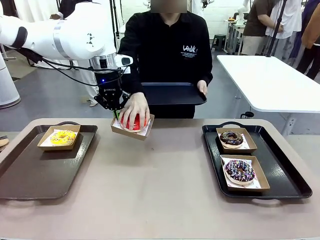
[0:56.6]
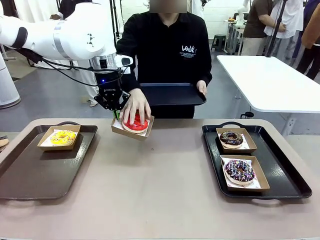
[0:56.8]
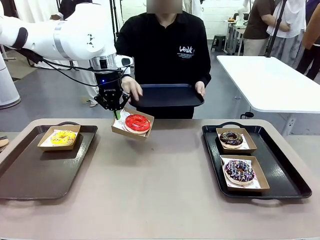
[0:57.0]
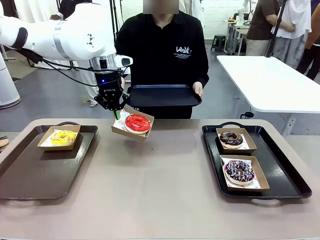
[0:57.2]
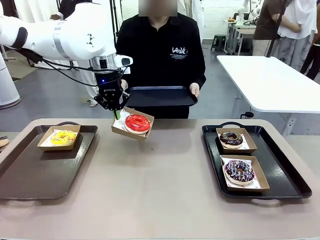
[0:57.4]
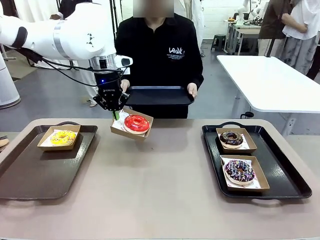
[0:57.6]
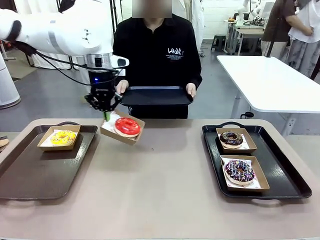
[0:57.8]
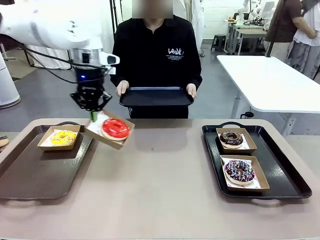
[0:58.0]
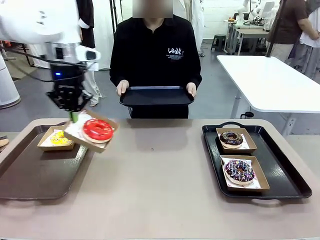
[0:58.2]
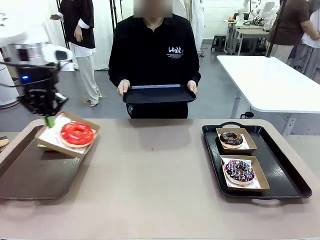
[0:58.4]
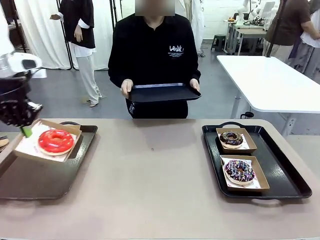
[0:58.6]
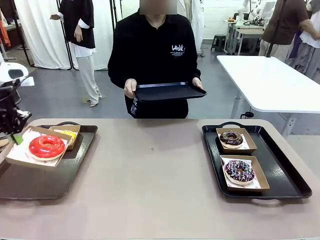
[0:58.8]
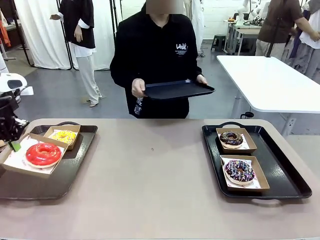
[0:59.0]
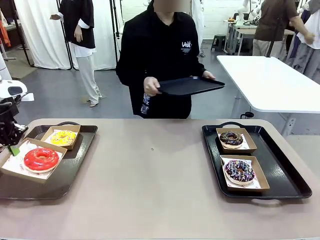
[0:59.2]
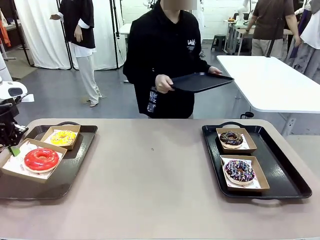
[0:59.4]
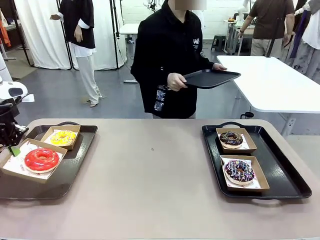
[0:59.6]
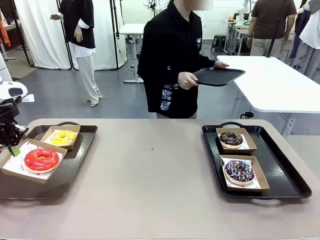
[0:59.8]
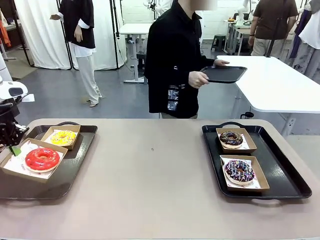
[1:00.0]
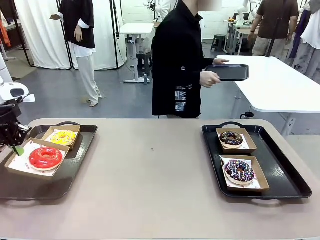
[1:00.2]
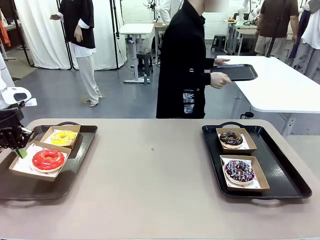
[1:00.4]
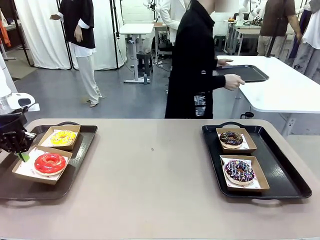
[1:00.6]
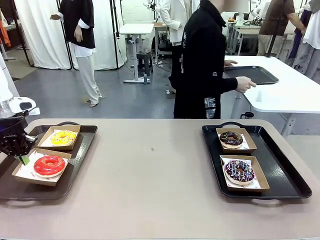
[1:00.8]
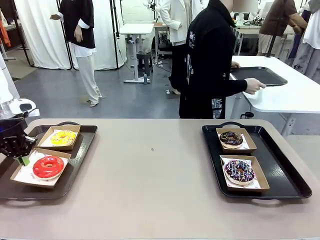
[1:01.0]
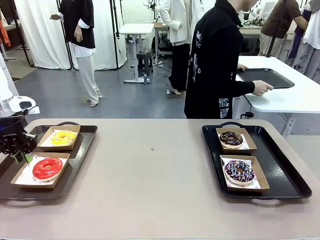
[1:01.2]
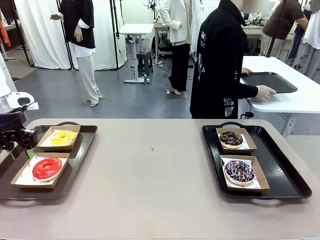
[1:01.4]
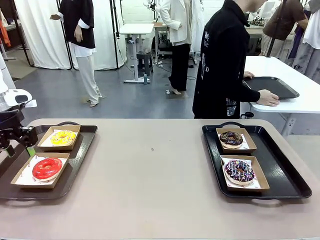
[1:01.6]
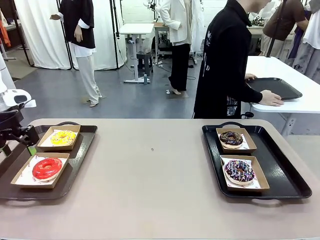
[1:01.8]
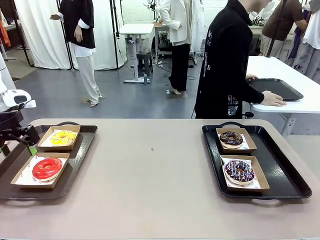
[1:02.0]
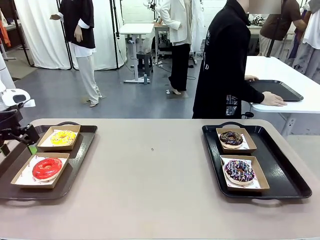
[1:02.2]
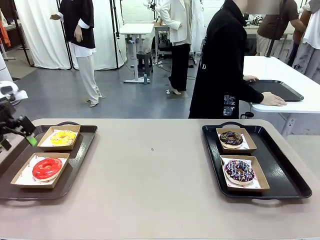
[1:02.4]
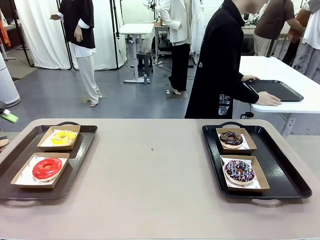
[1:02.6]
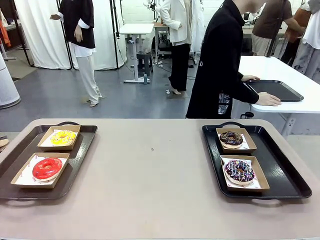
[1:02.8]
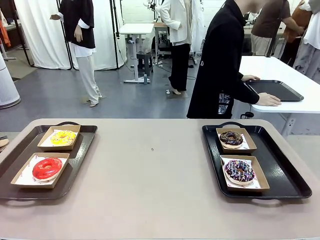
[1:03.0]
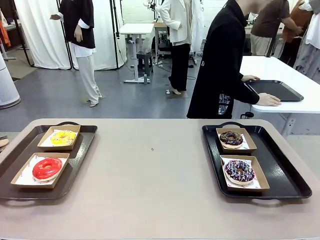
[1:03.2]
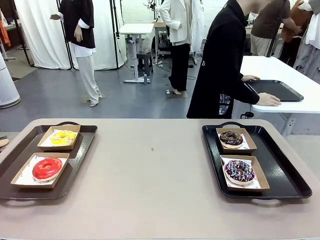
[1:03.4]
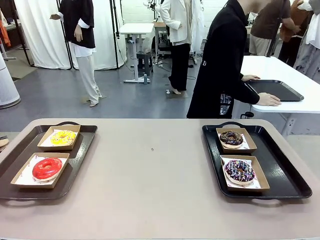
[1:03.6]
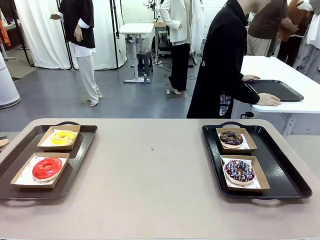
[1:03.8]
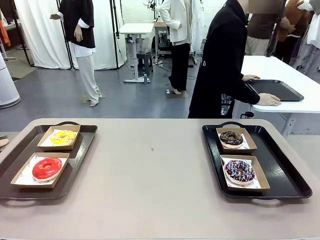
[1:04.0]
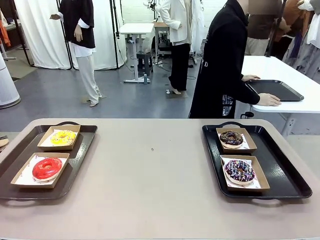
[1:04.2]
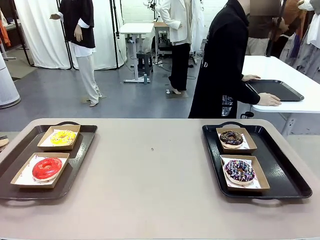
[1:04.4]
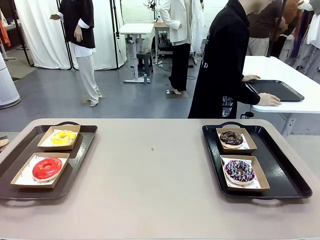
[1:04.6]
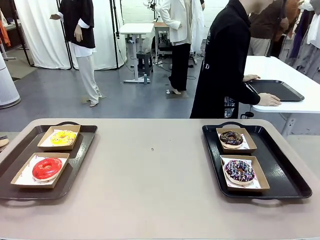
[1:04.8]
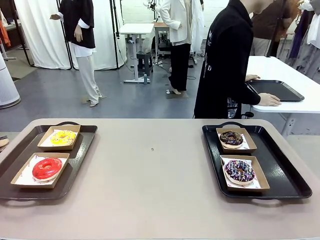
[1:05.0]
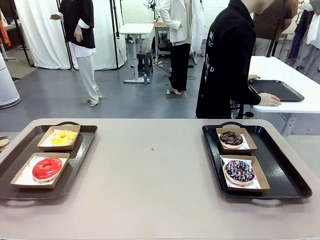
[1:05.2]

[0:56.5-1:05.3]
Task: Individually package the donuts and arrange them on the tray.
Robot: Place the picked Paper togo box on the Handle tray.
Person: Place the tray down in the middle of the human table.

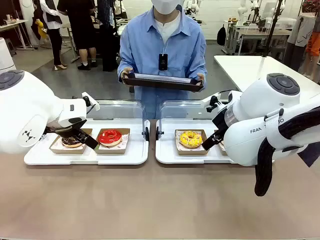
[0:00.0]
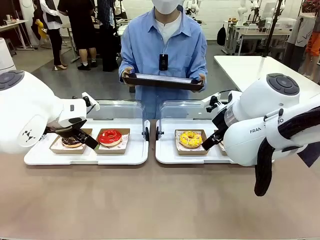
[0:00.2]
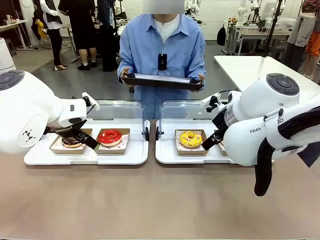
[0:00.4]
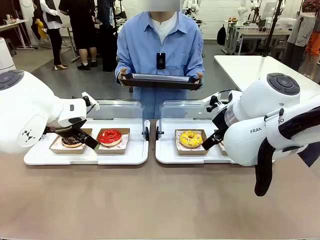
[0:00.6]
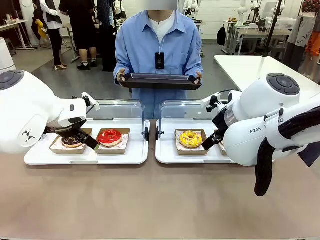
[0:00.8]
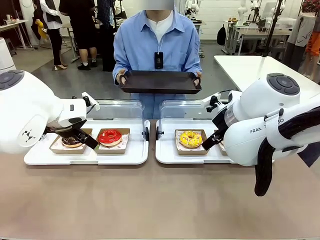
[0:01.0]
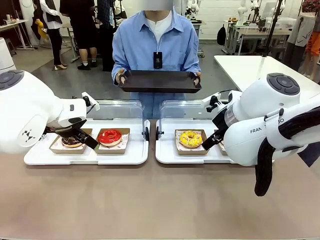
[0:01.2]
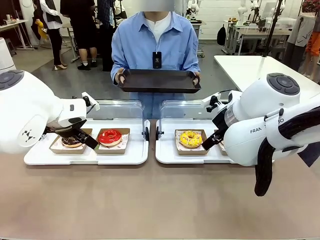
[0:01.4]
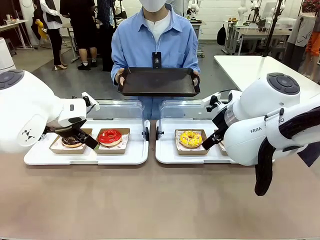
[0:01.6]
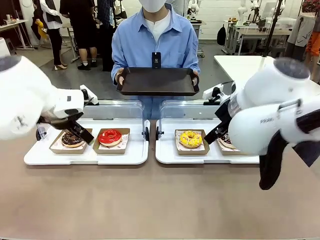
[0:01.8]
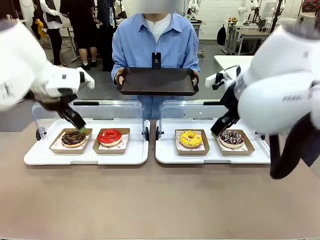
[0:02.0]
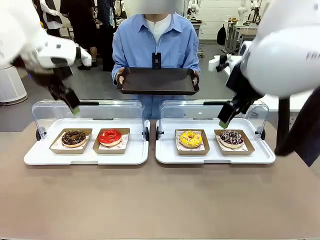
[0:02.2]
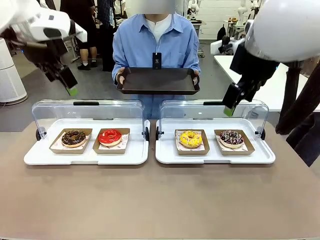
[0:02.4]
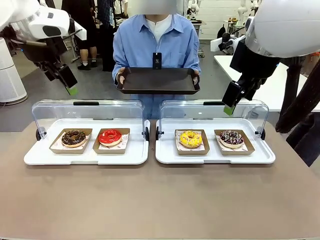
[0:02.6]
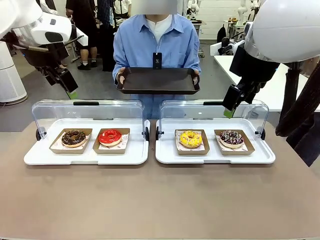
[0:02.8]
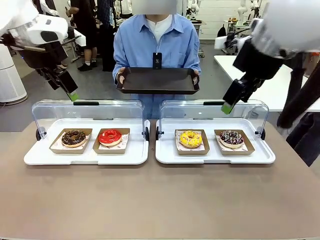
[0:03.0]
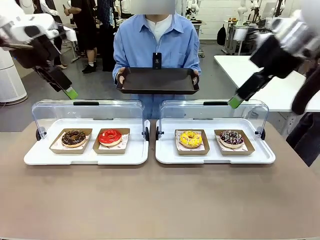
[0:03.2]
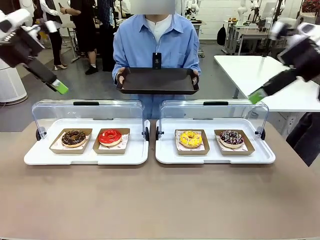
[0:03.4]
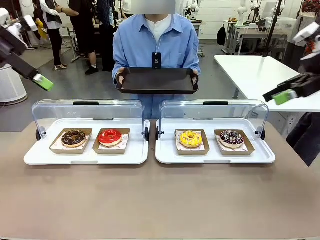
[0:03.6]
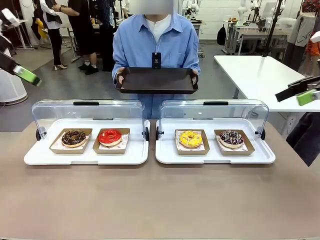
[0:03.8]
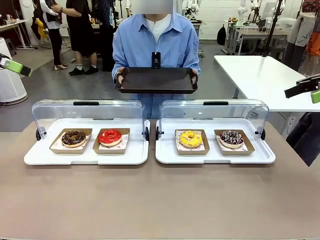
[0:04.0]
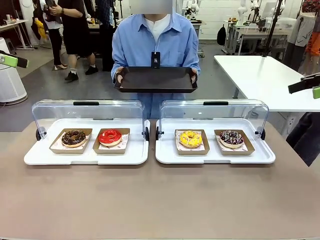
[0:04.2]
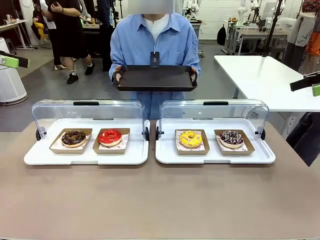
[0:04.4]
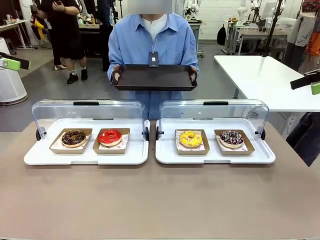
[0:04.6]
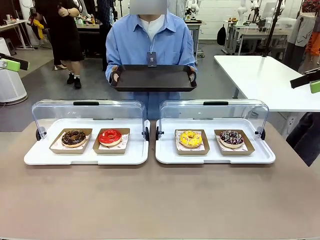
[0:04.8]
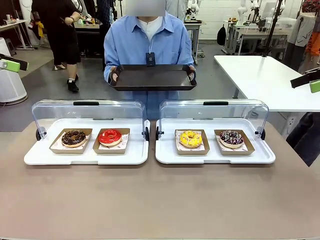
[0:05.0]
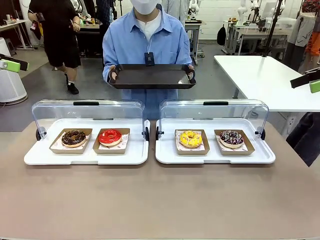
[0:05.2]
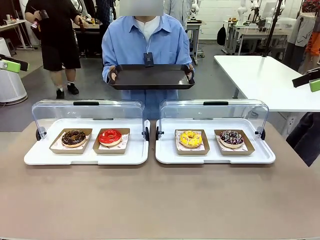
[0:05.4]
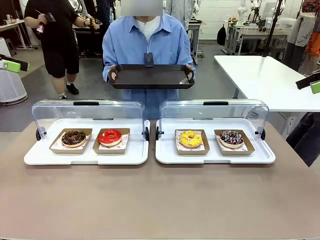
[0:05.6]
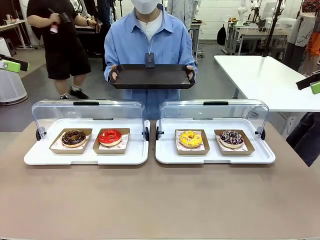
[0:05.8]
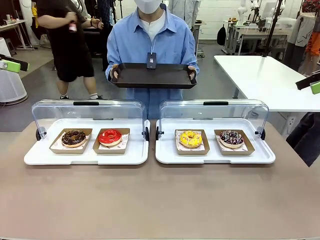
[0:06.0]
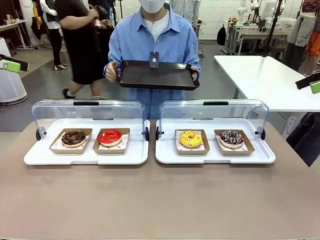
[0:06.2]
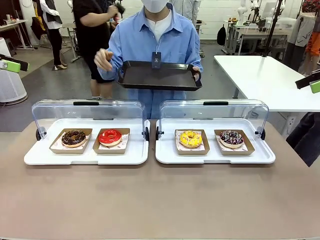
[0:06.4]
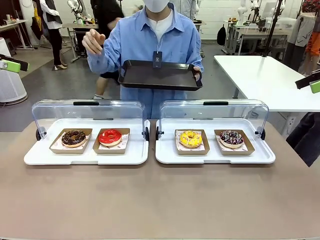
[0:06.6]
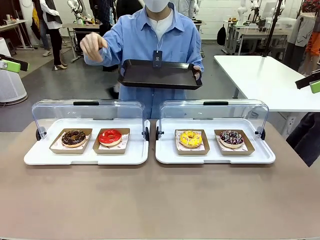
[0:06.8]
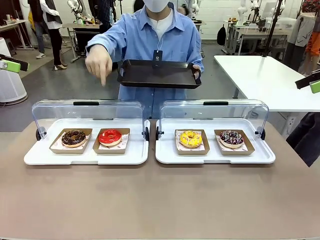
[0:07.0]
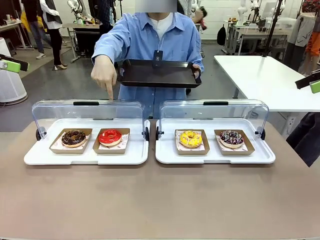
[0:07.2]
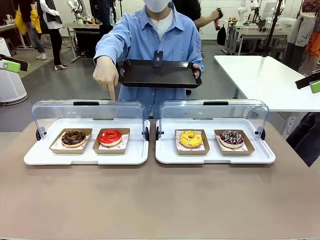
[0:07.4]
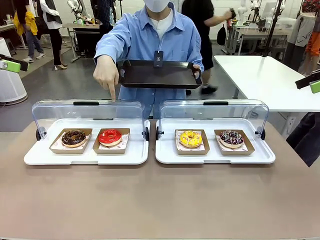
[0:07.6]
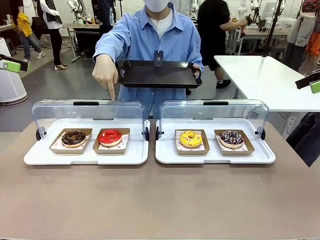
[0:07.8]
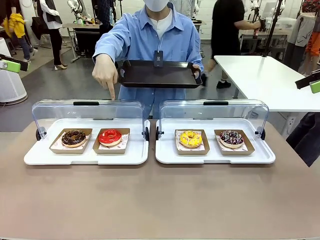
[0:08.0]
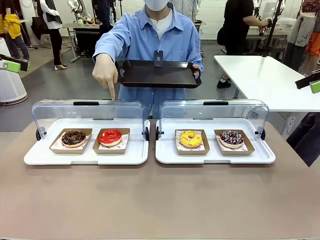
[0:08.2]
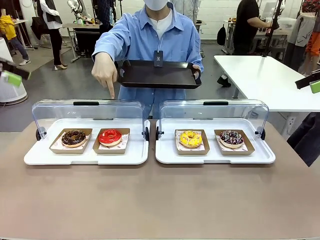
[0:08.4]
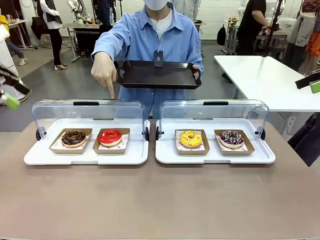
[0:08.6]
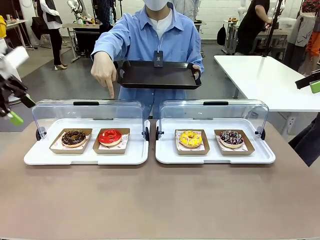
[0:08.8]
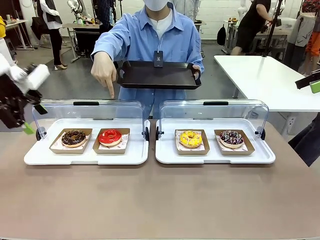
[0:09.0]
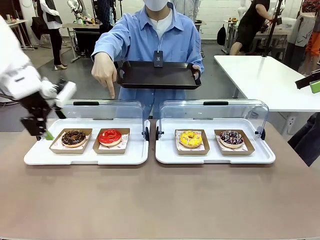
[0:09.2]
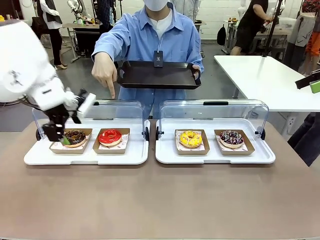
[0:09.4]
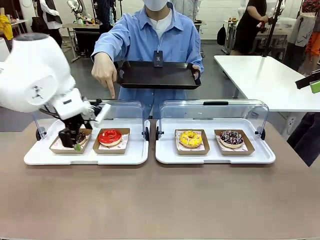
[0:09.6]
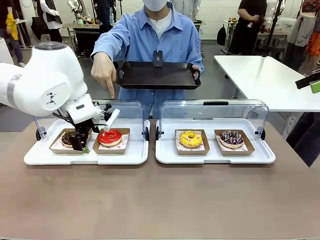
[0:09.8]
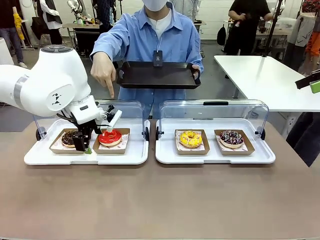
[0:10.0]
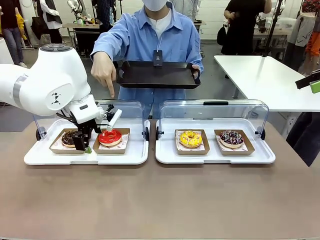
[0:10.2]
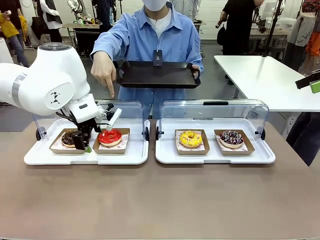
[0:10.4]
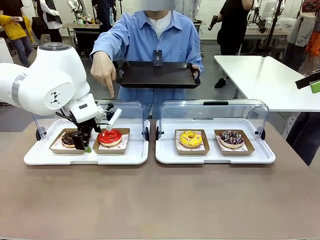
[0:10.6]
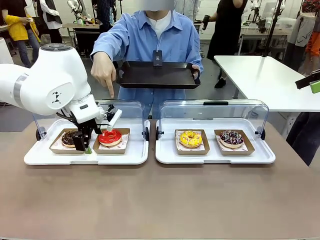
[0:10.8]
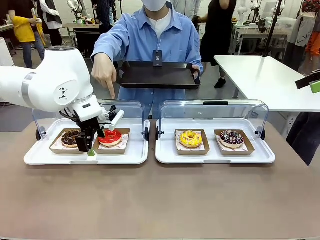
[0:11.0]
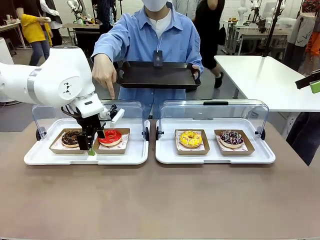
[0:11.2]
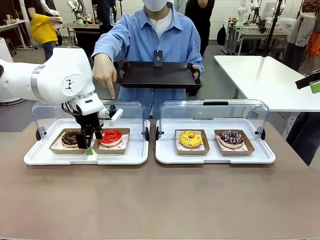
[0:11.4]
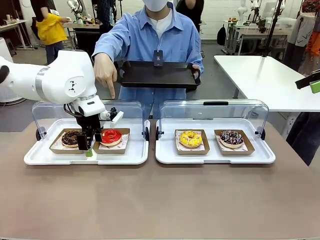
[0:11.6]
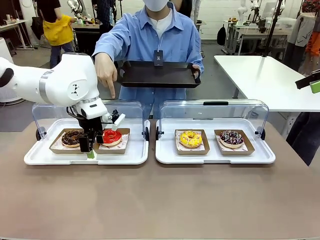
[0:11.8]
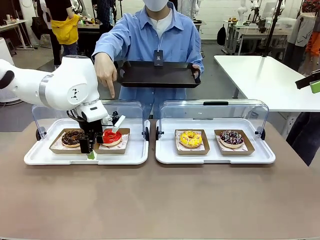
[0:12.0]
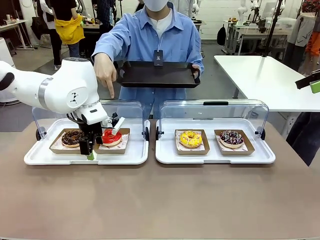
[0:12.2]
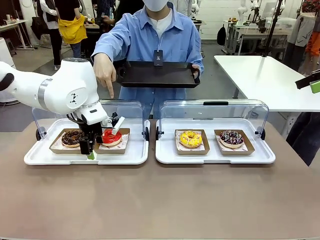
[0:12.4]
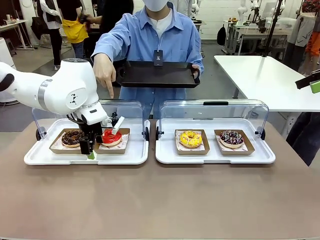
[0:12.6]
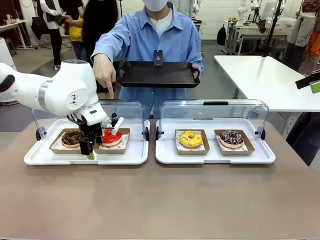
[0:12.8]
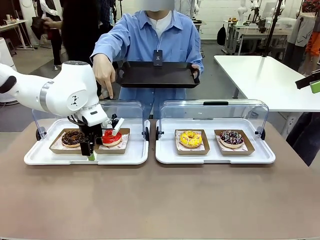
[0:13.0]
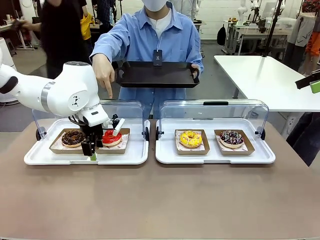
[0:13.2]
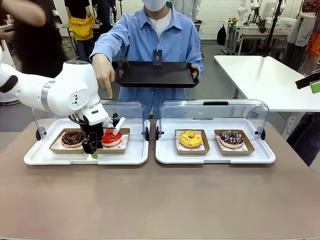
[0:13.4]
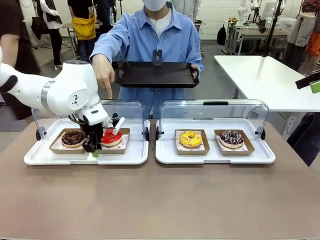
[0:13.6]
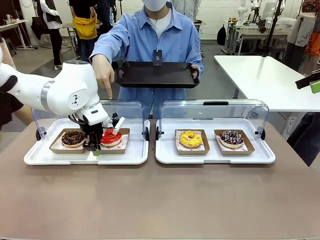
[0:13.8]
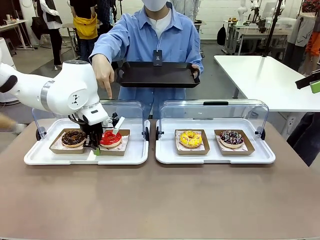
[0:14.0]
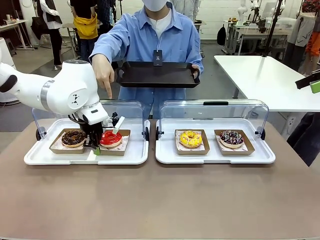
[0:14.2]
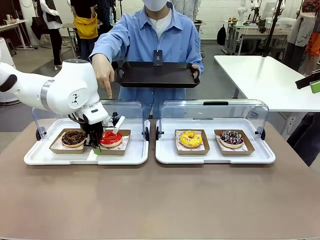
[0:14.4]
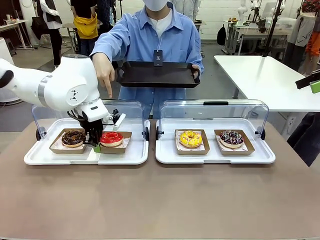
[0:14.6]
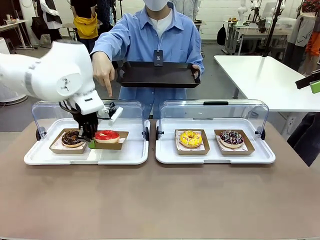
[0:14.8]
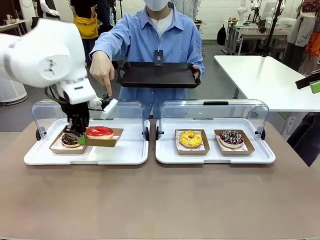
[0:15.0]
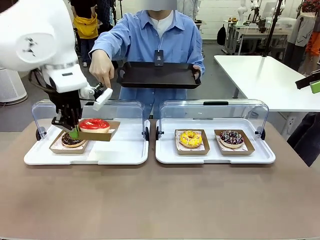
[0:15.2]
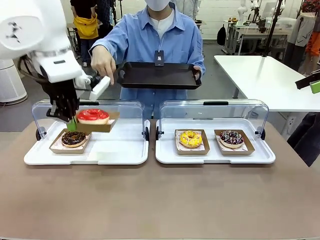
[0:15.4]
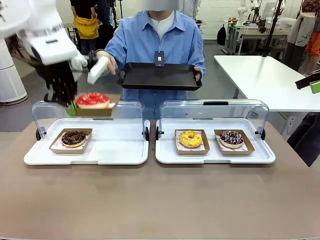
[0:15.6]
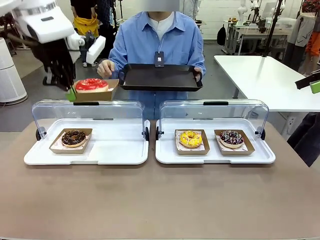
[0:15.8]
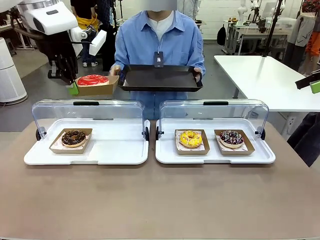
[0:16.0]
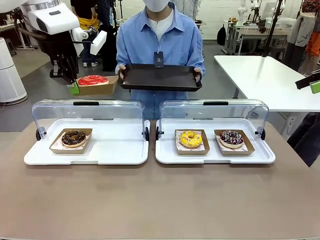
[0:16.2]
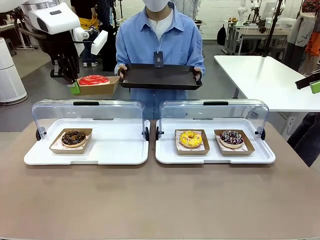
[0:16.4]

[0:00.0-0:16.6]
Task: Provide the desired donut to the person.
Robot: Pick up and lift the Paper togo box containing the Donut pointed at by the person.
Person: Point to one donut.
